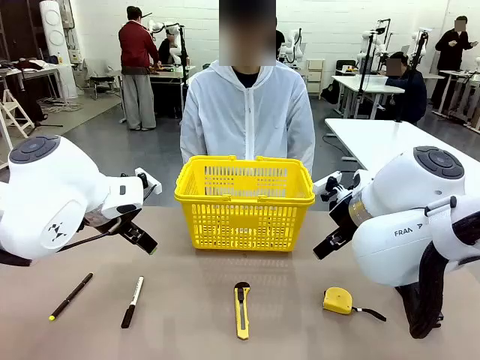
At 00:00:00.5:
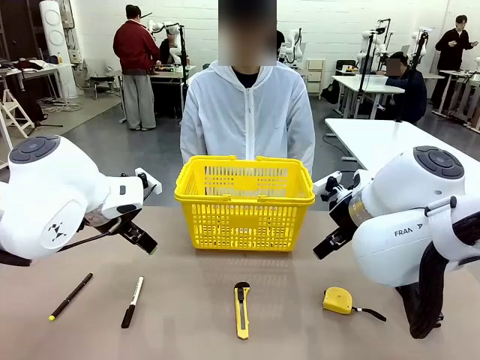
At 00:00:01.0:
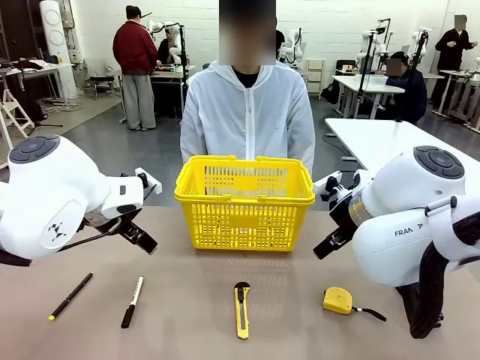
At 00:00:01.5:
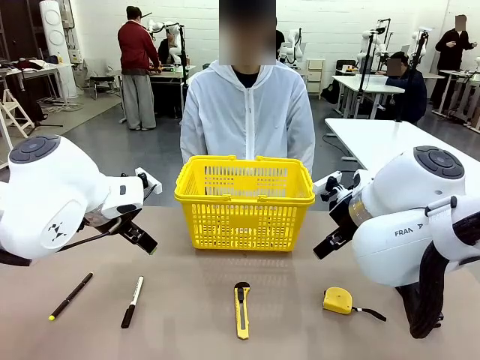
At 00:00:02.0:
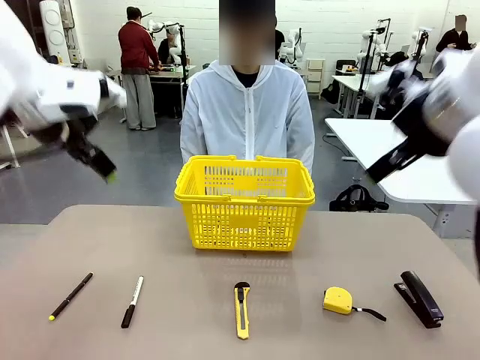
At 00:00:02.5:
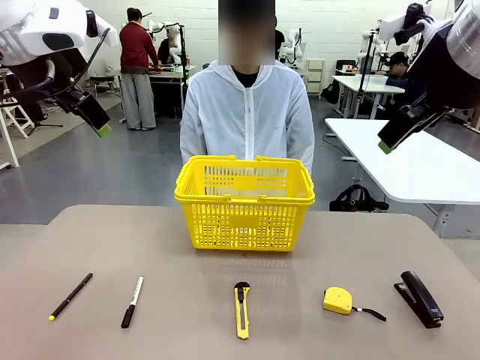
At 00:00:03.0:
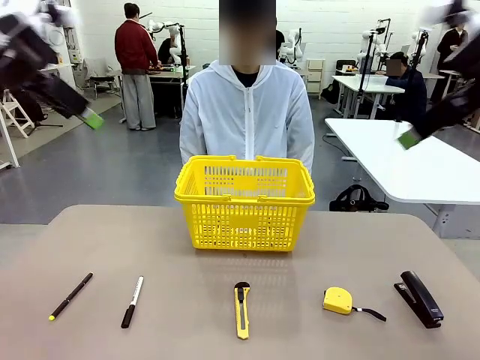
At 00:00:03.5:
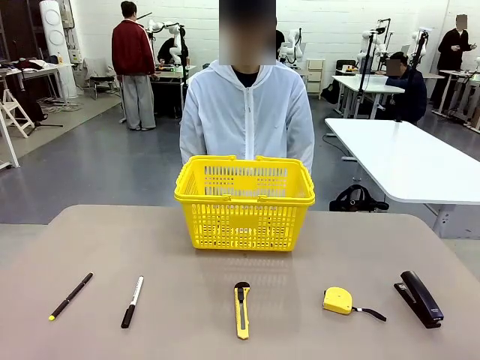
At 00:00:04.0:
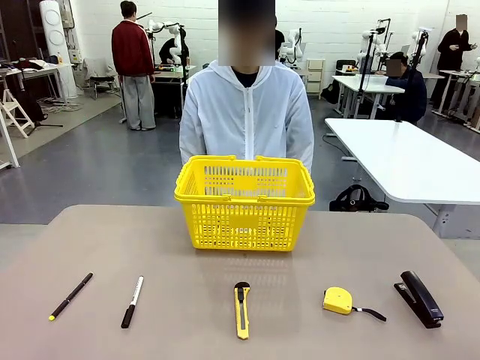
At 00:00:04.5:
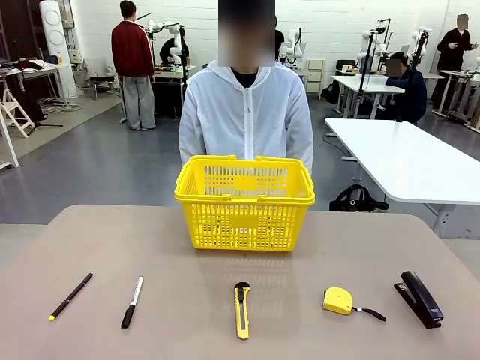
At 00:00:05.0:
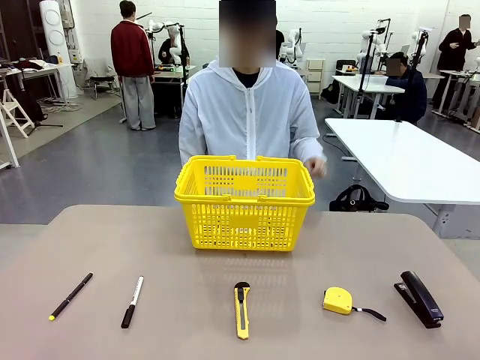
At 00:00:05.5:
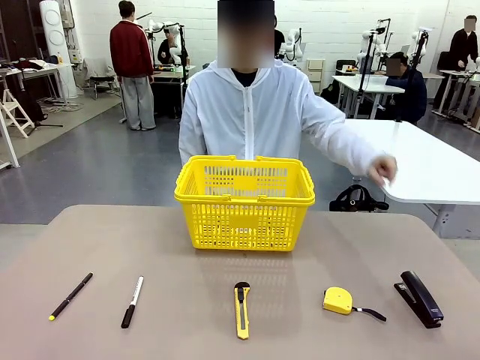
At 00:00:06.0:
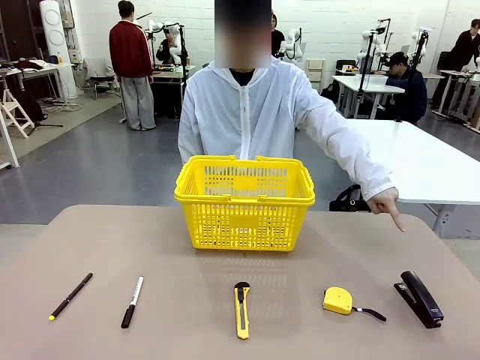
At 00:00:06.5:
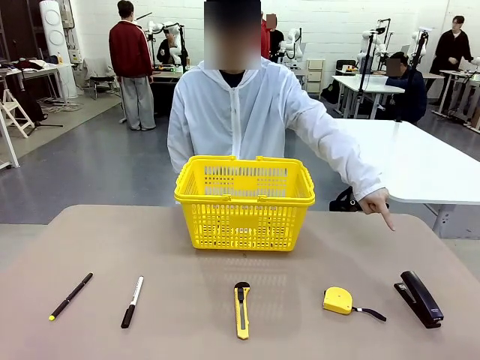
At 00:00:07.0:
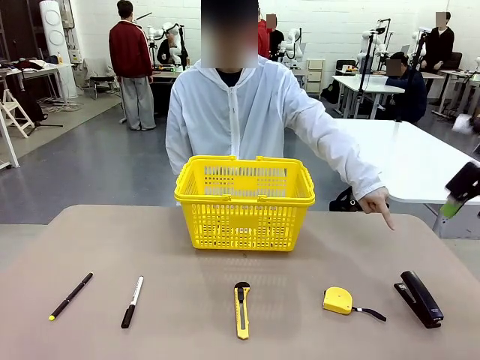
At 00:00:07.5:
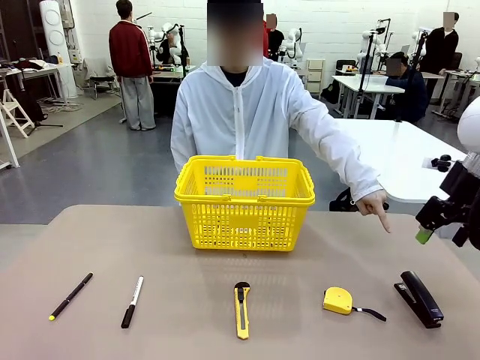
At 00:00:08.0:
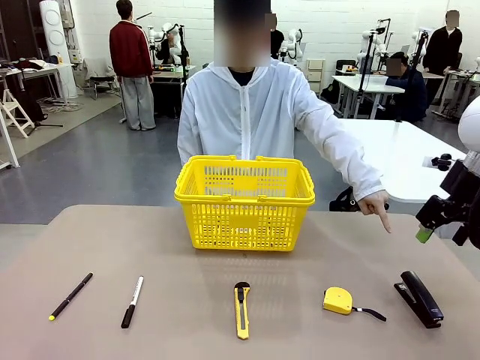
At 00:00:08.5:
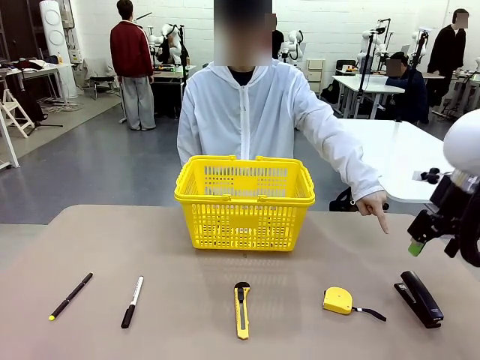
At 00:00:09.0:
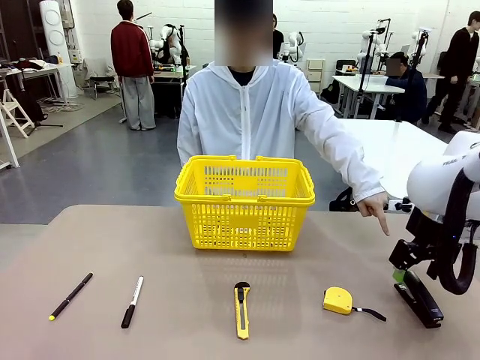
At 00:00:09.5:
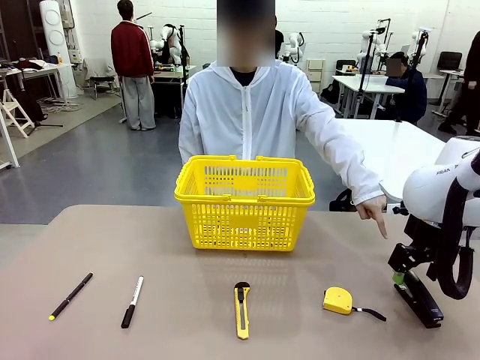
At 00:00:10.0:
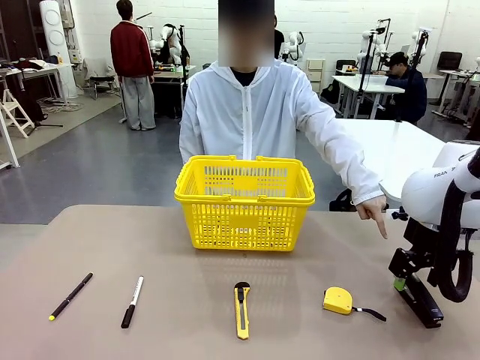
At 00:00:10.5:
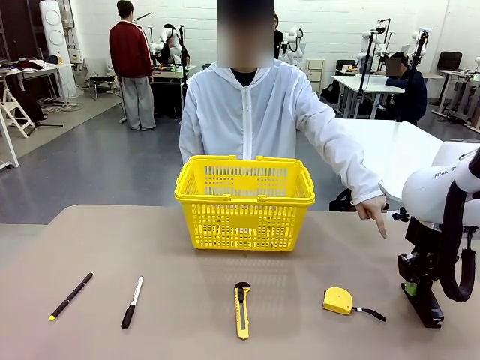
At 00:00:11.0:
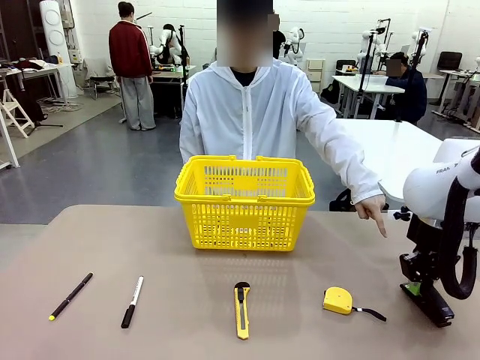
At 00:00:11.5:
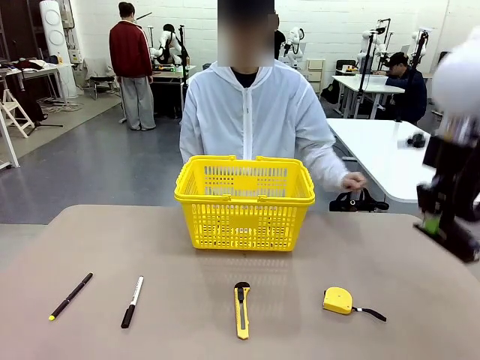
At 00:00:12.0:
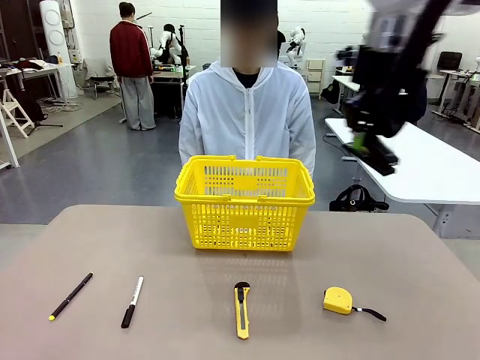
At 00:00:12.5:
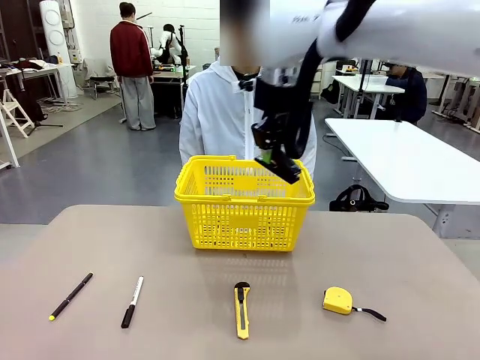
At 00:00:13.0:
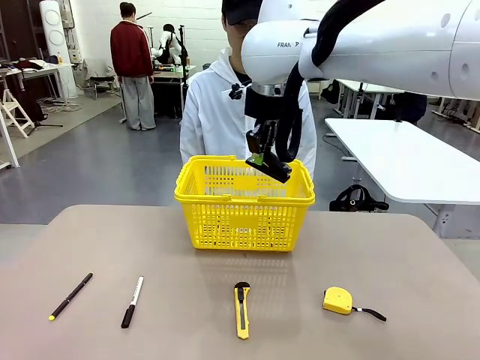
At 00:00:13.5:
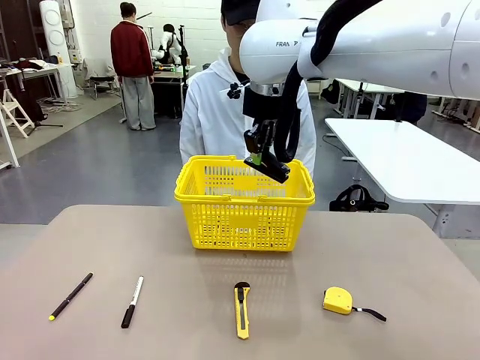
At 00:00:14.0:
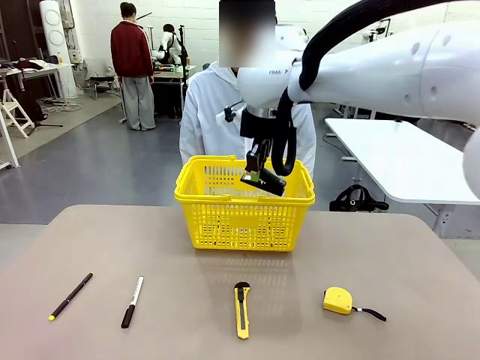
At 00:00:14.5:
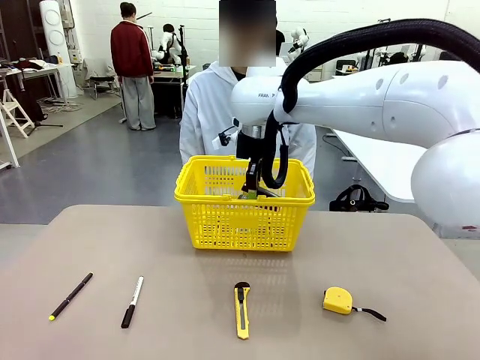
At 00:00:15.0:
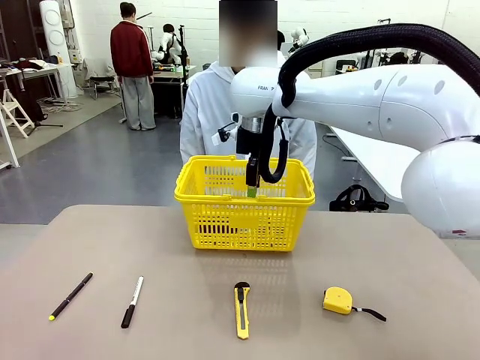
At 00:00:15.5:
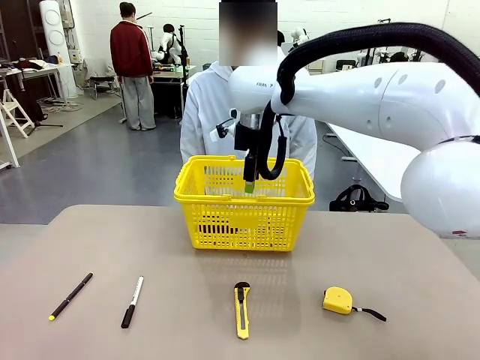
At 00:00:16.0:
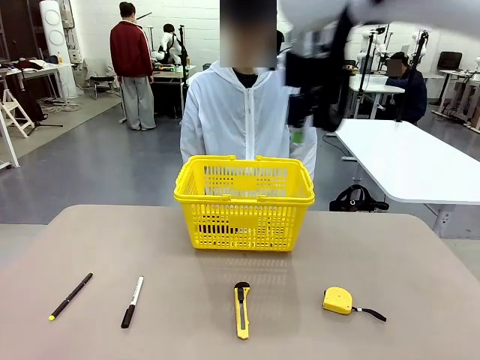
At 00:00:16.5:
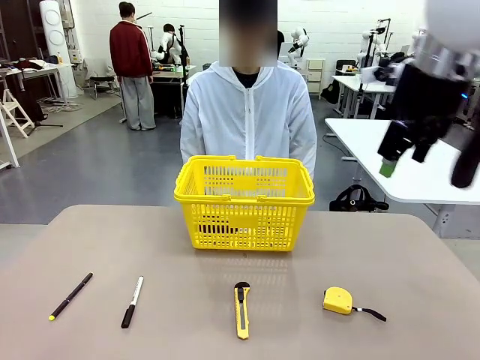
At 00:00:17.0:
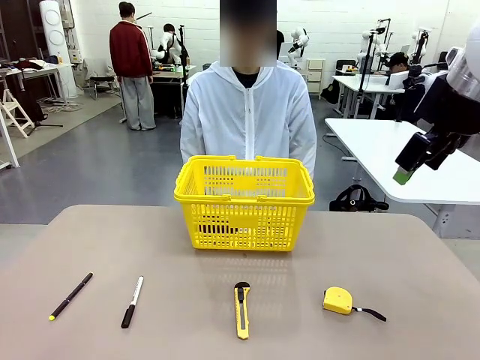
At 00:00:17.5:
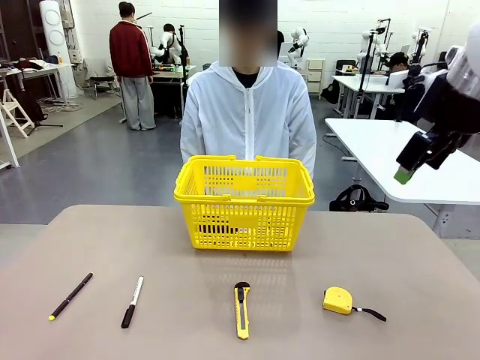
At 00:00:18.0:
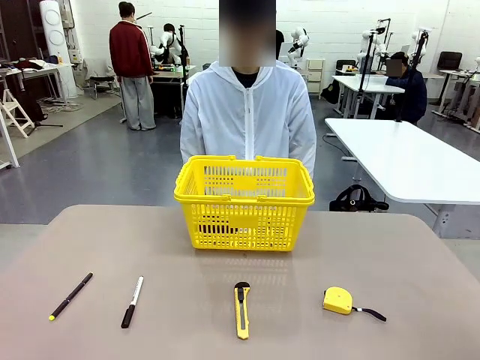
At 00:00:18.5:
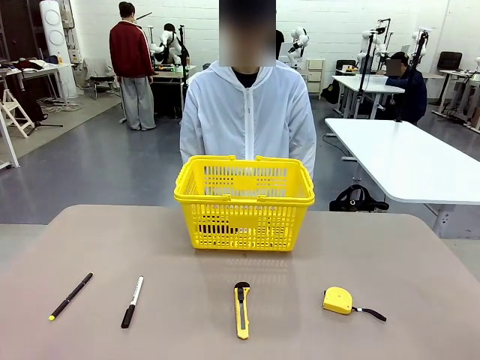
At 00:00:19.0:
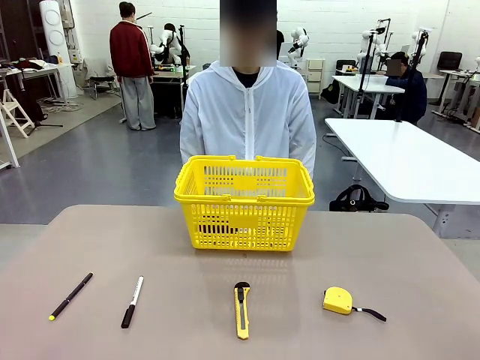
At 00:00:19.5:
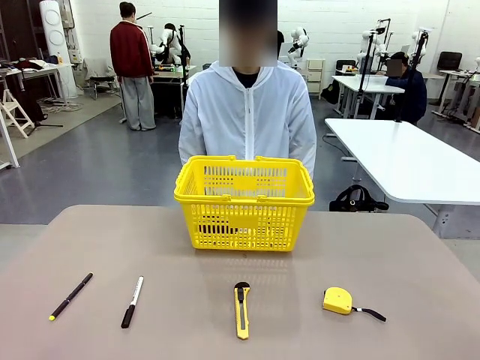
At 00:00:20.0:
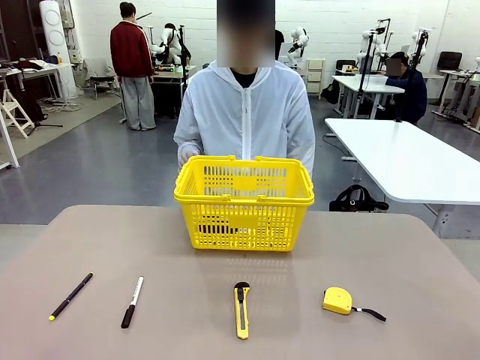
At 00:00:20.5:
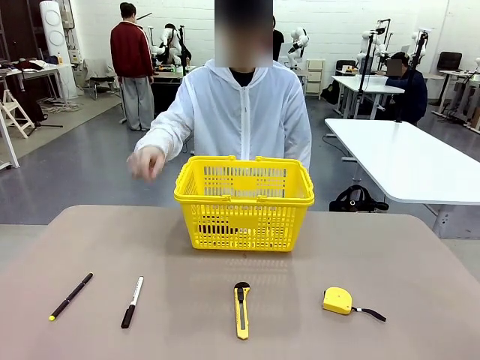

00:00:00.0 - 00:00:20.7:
Task: Place the items the person wants into the basket.
Robot: Pick up the item the person points to and place it in the Market Basket.
